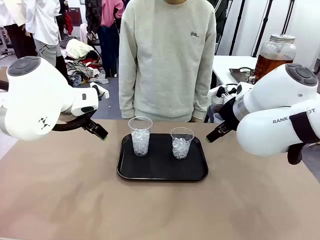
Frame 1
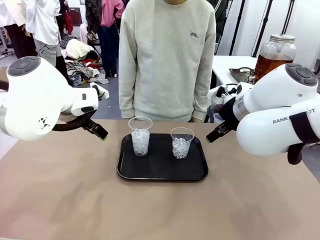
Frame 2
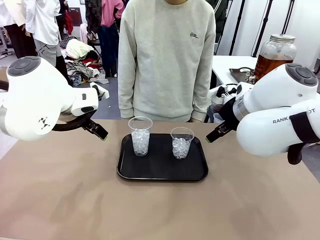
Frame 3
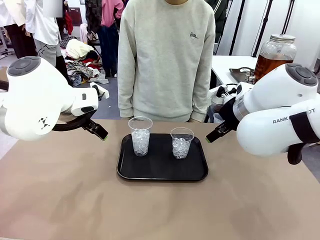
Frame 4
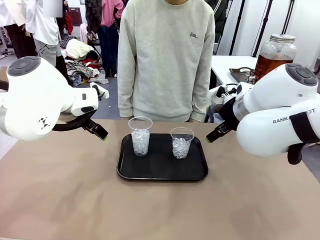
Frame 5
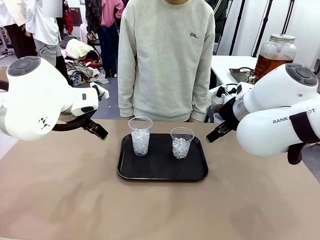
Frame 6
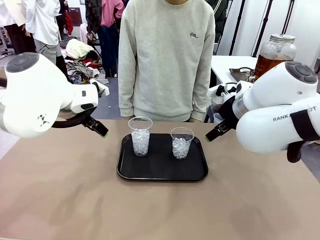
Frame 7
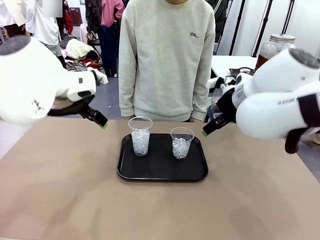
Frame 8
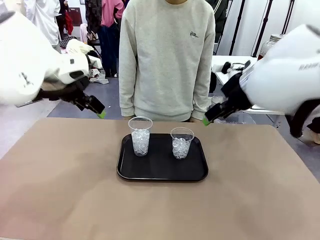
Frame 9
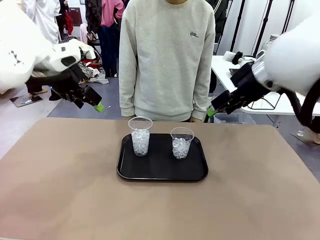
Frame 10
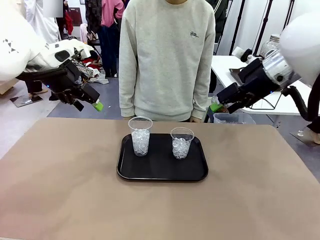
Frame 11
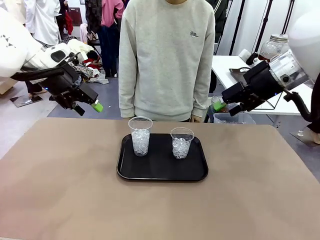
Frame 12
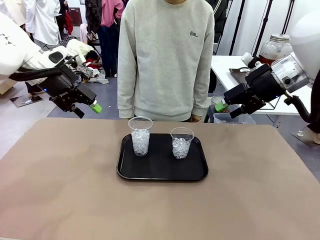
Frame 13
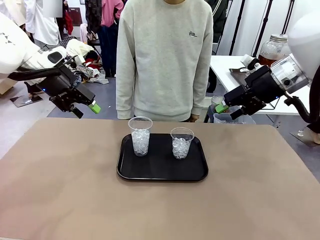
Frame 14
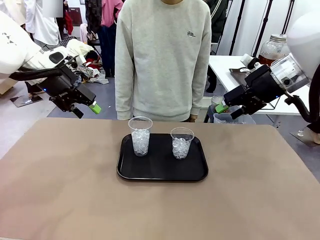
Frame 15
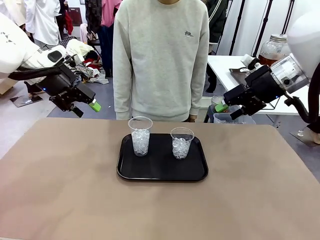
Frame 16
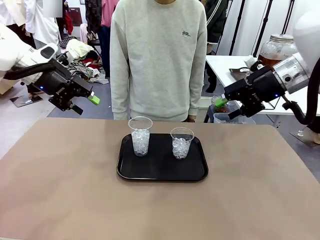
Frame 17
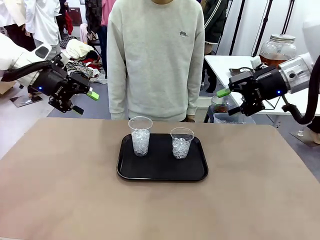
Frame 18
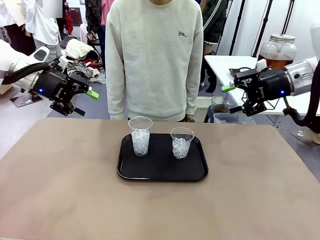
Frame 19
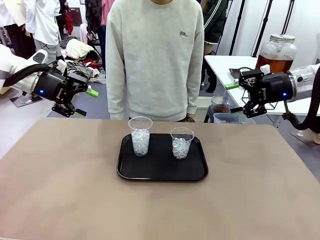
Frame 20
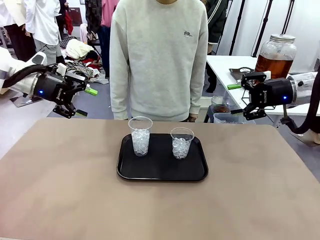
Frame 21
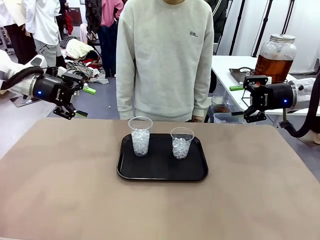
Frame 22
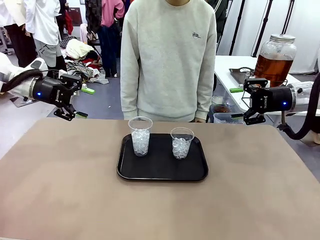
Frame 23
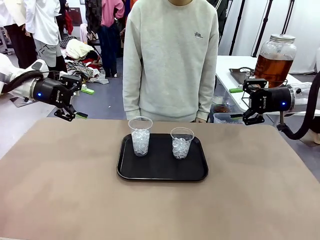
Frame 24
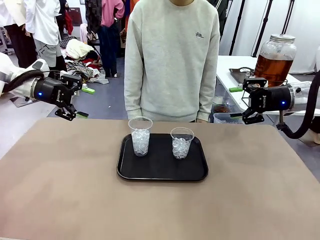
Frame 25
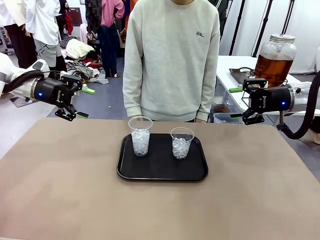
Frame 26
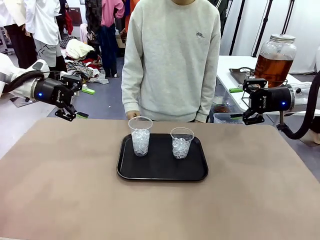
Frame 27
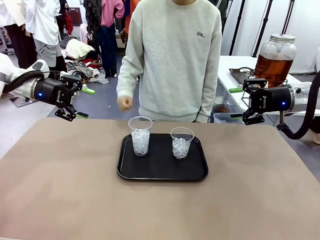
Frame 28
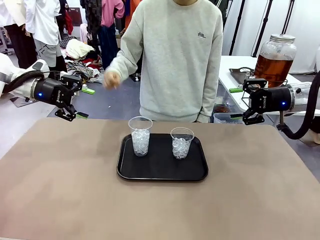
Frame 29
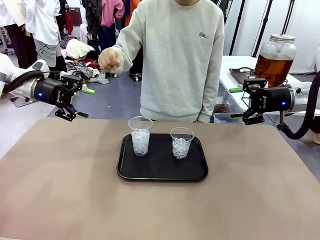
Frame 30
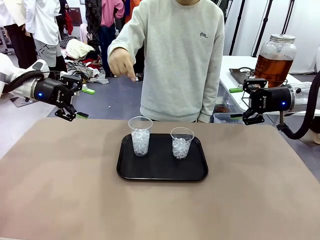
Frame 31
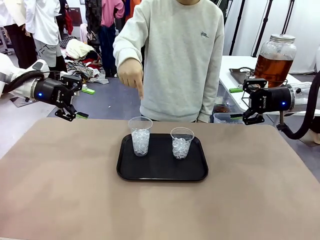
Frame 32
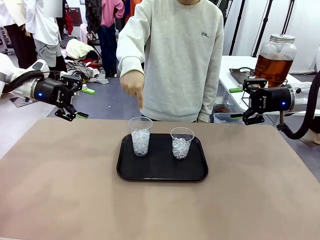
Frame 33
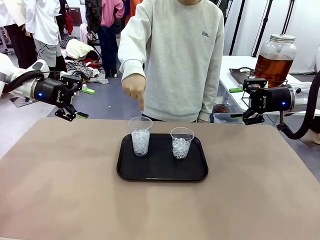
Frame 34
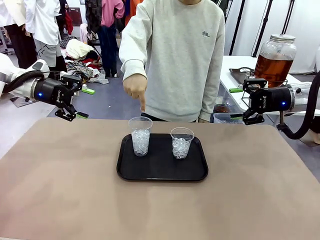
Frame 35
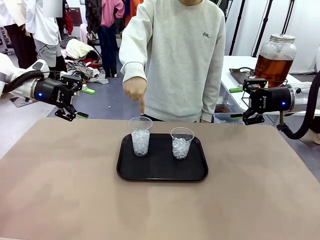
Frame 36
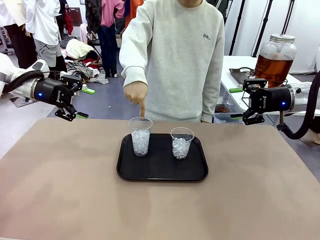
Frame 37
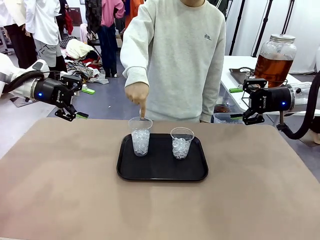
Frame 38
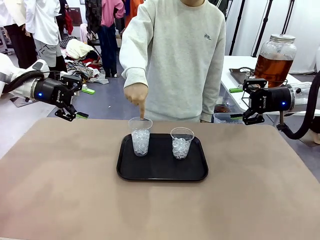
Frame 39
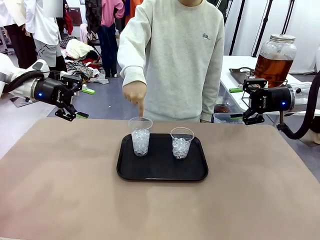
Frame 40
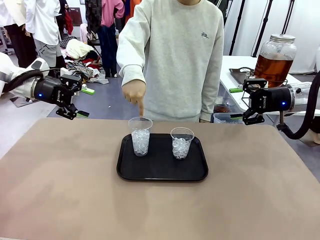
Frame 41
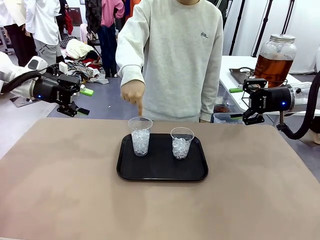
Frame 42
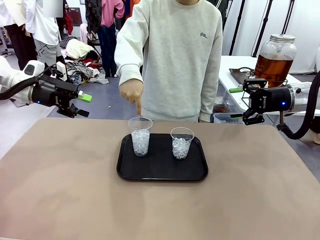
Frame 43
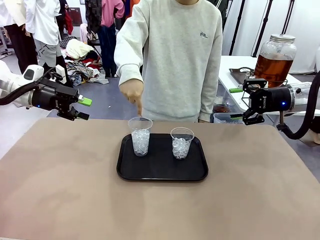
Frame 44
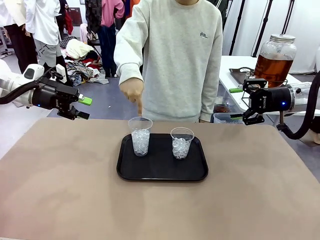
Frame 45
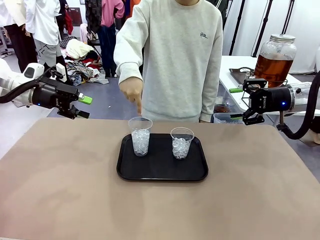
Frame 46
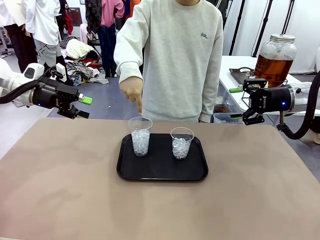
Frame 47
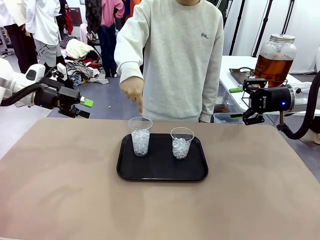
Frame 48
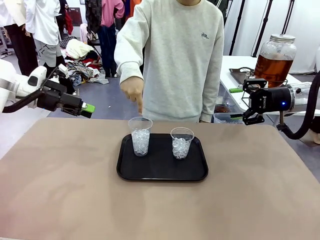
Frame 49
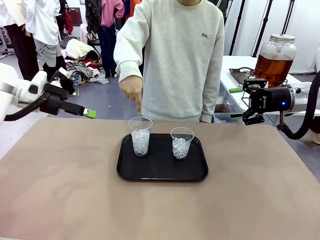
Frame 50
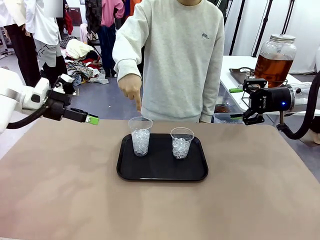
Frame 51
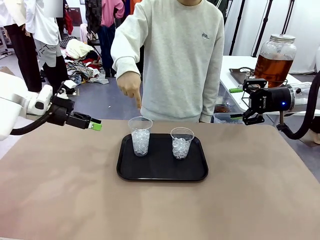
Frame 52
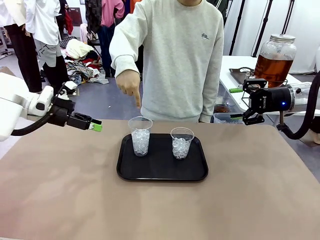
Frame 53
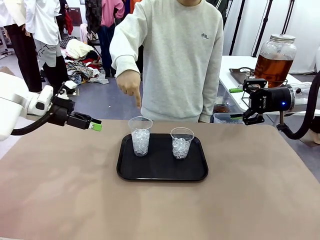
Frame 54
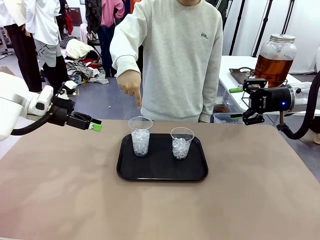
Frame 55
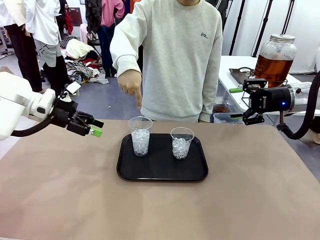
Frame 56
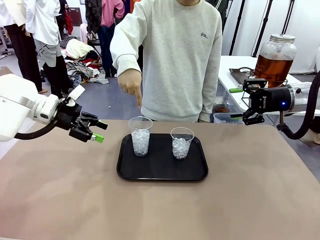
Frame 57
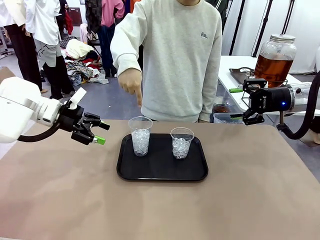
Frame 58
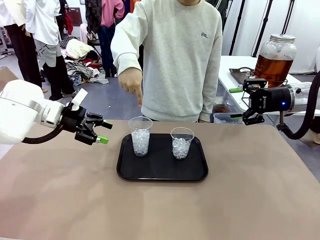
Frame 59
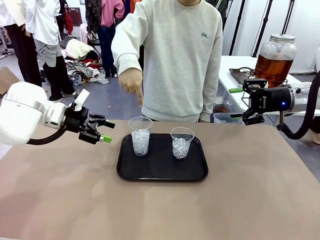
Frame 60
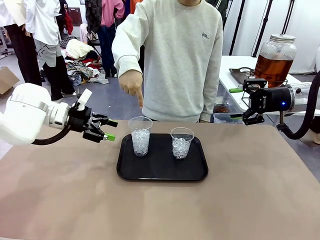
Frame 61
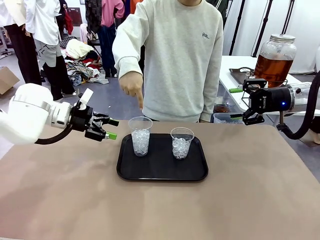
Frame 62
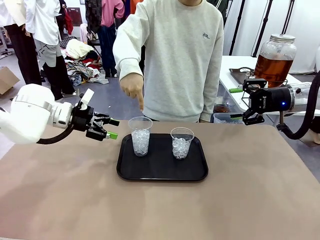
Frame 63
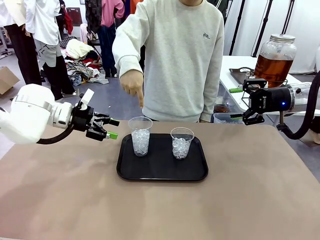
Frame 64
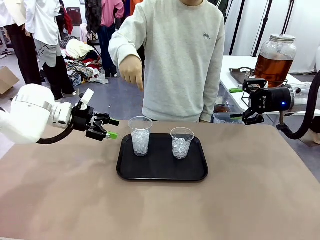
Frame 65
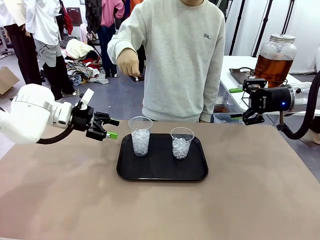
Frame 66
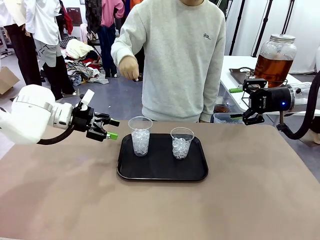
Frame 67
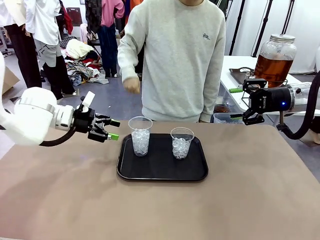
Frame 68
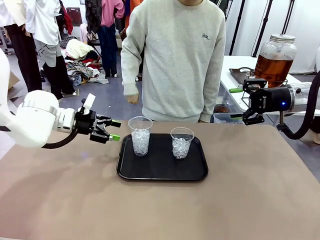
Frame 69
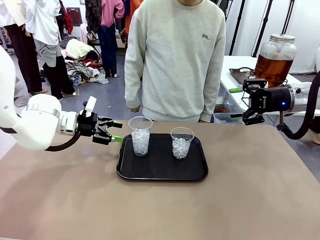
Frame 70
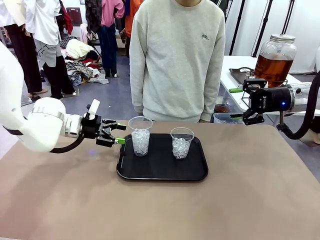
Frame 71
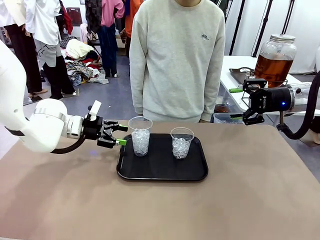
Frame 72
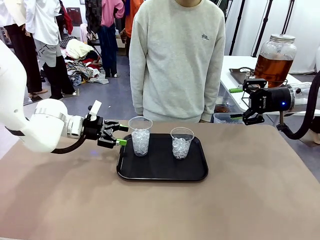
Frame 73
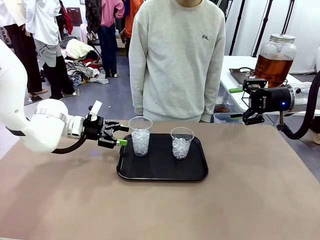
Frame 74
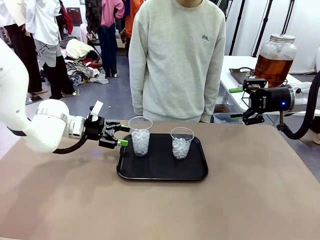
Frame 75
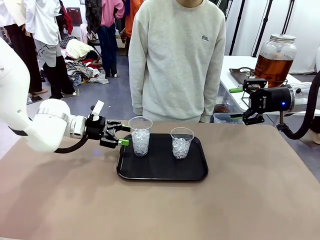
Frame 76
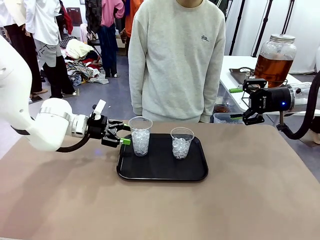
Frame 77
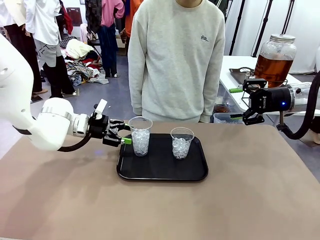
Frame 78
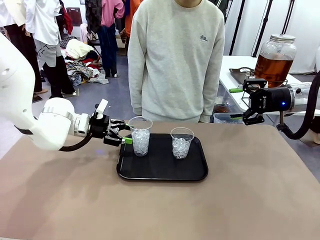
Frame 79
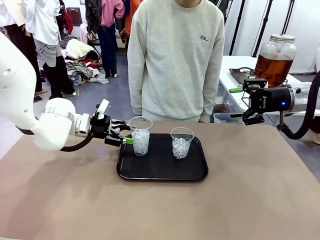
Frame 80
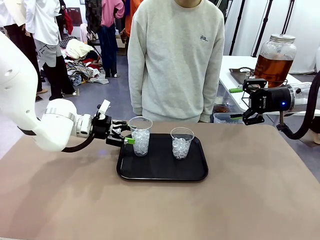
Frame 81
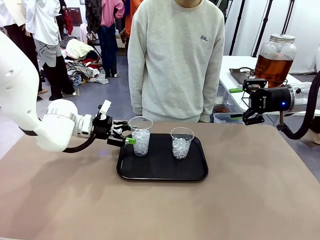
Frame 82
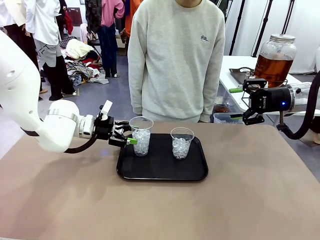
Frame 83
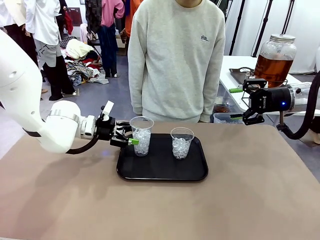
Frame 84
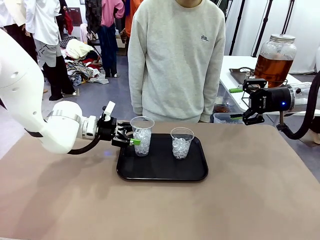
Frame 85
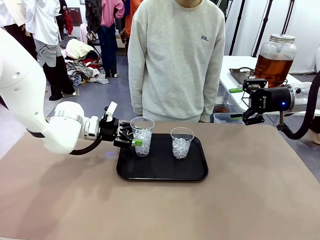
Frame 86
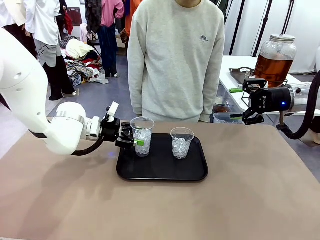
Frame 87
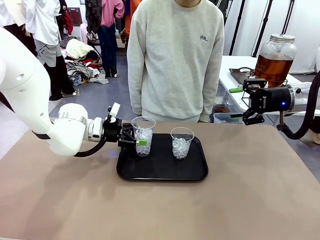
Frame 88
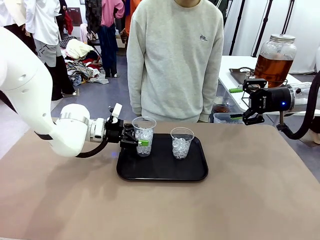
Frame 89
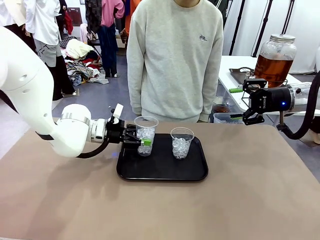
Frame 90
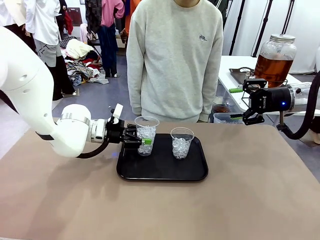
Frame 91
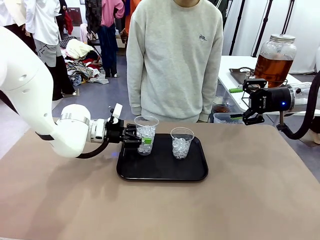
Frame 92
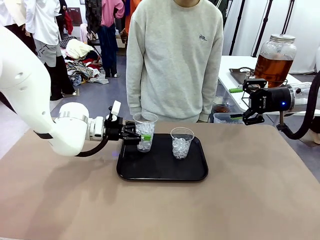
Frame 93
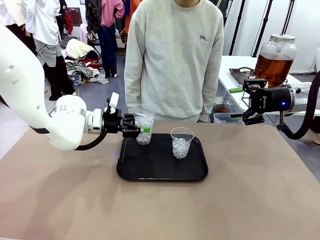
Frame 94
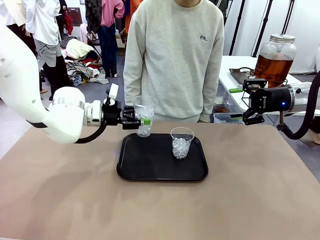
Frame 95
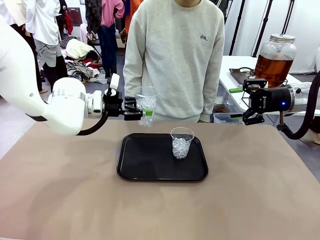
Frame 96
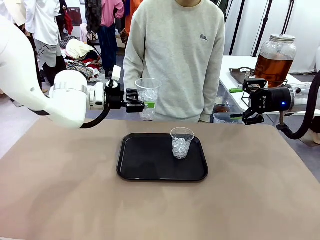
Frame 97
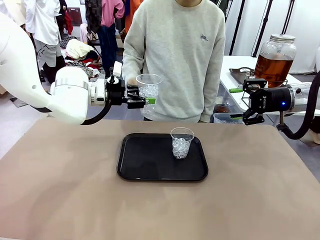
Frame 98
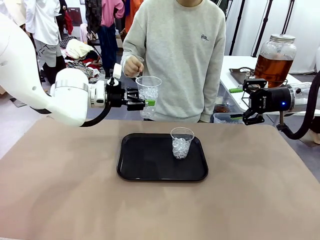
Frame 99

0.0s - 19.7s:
Task: Pour the drink into the iced cup.
Robot: Pick up the iced cup indicated by the human and present it to them.
Person: Point to one of the two ice cups. Pick up the cup offered by the robot.

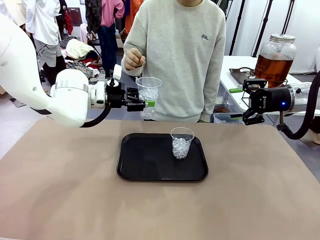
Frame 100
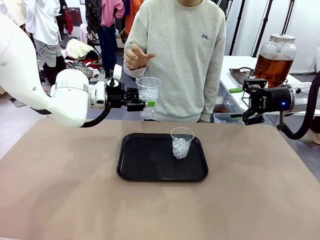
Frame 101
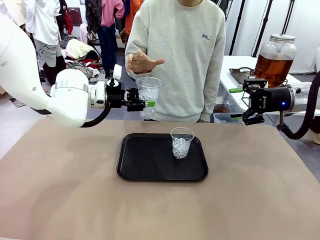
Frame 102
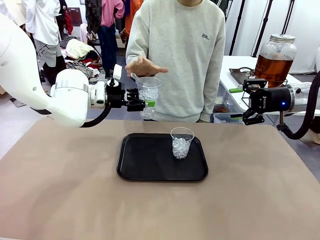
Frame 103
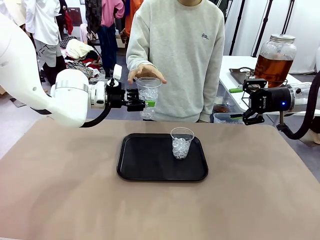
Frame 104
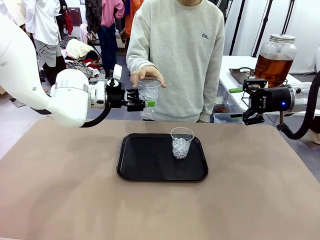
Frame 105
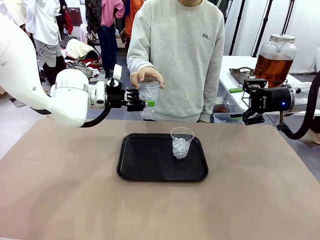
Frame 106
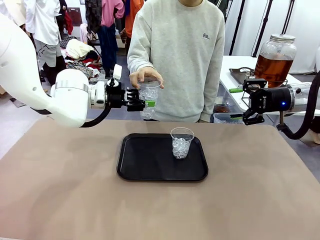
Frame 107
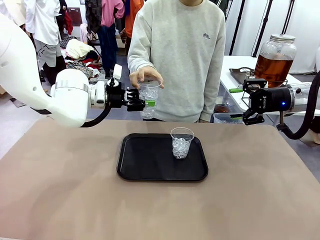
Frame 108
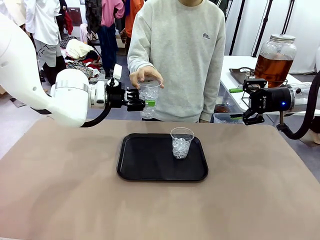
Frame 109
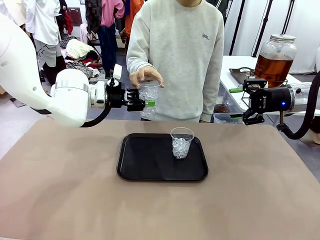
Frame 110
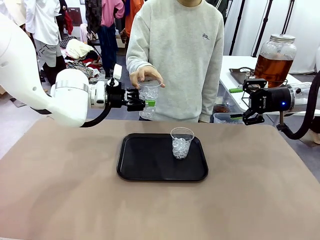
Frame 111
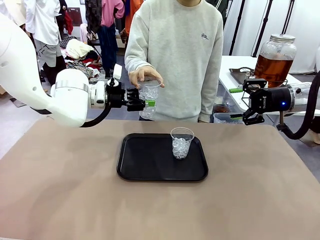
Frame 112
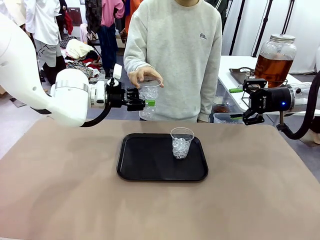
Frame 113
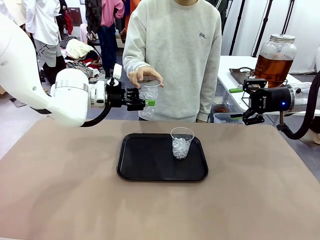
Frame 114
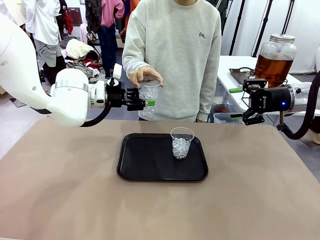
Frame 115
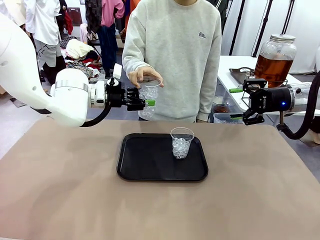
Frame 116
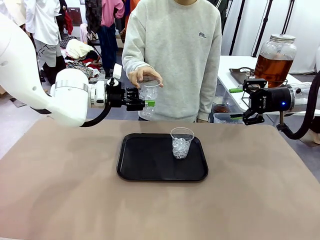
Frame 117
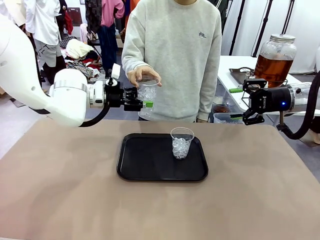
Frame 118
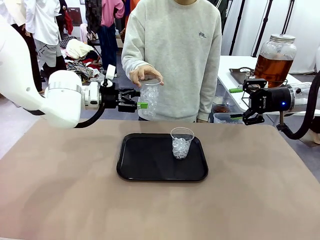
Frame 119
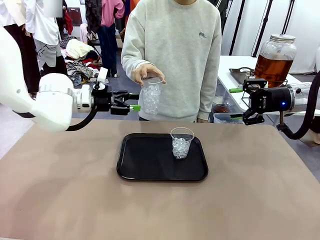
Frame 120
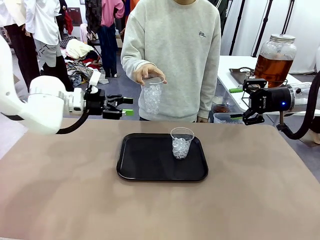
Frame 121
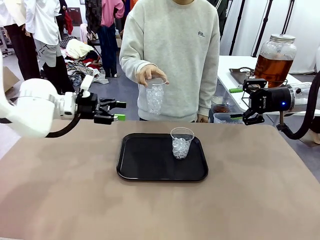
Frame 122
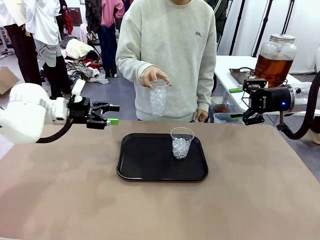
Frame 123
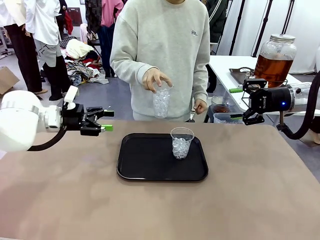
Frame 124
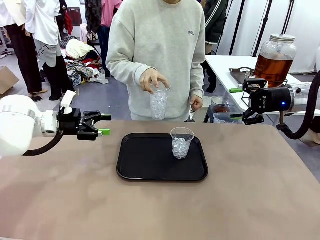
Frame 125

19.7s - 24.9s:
Robot: Open the gripper to release the iced cup you were holding.
